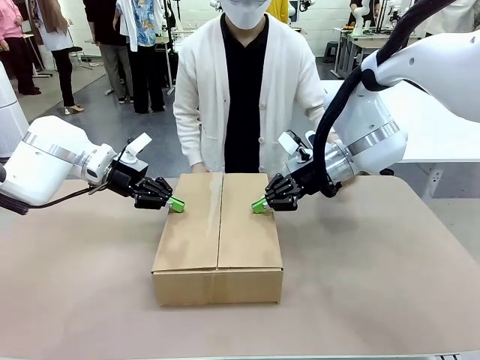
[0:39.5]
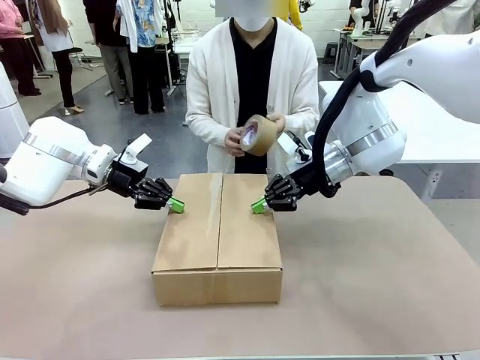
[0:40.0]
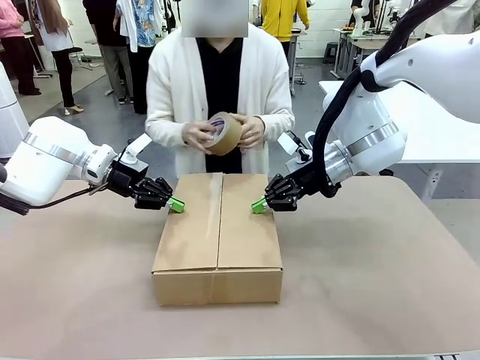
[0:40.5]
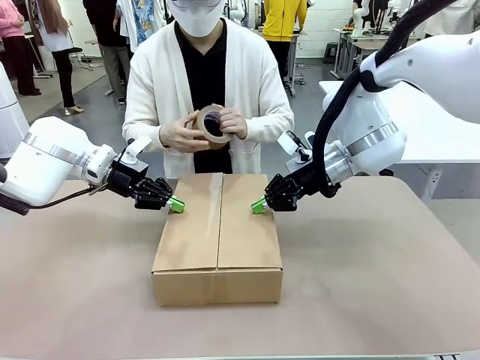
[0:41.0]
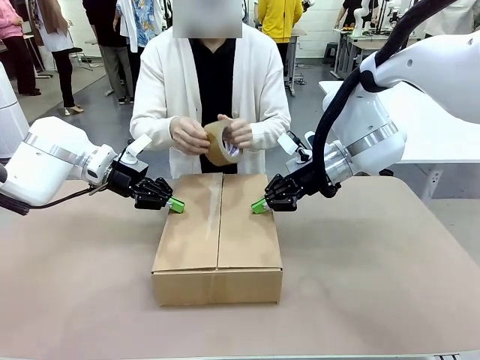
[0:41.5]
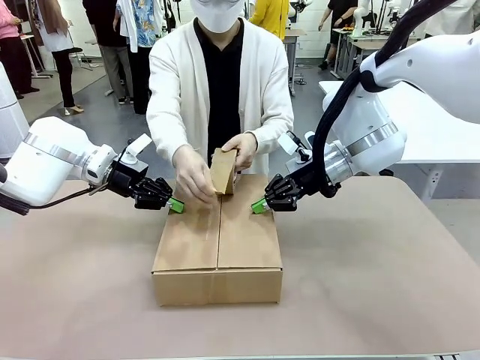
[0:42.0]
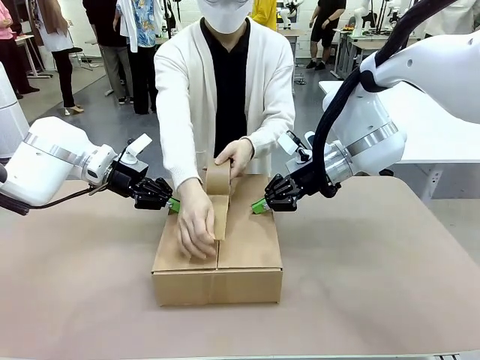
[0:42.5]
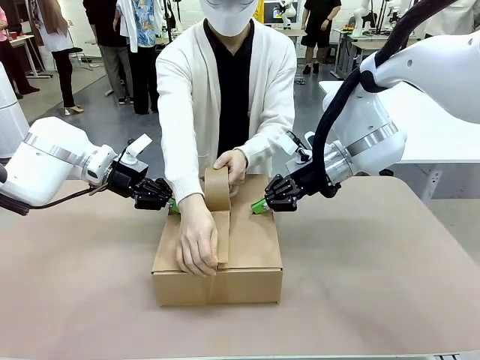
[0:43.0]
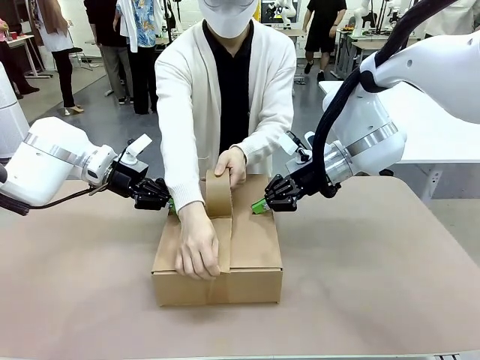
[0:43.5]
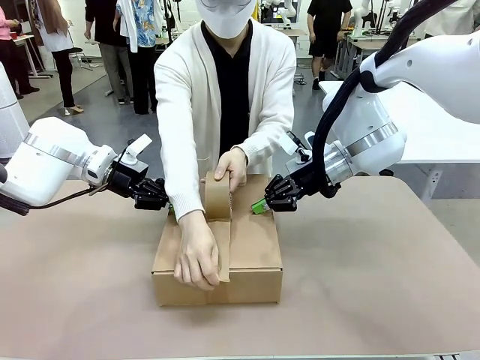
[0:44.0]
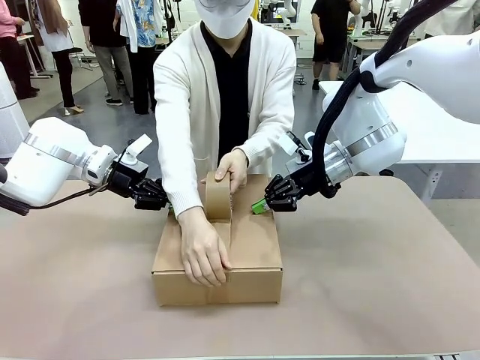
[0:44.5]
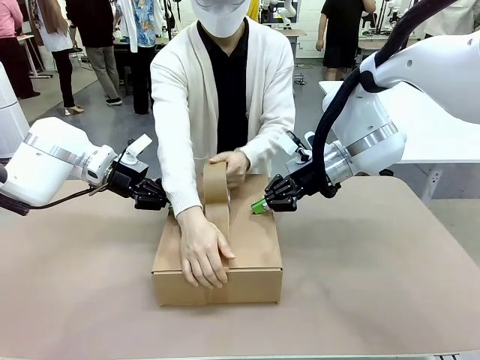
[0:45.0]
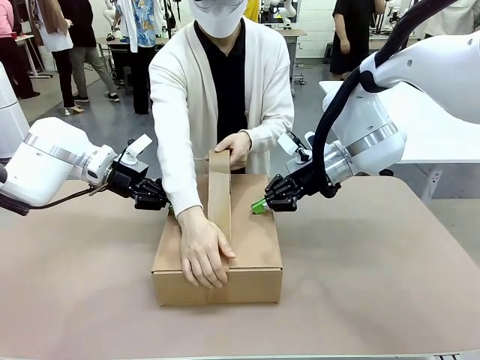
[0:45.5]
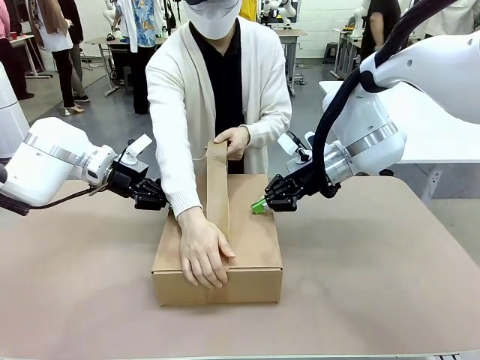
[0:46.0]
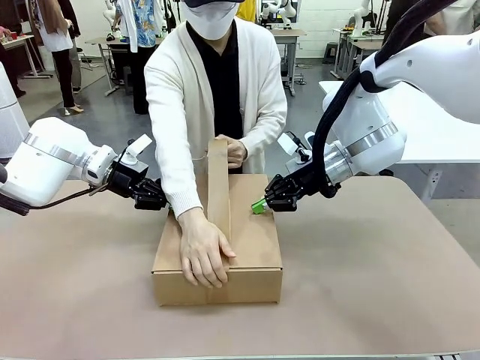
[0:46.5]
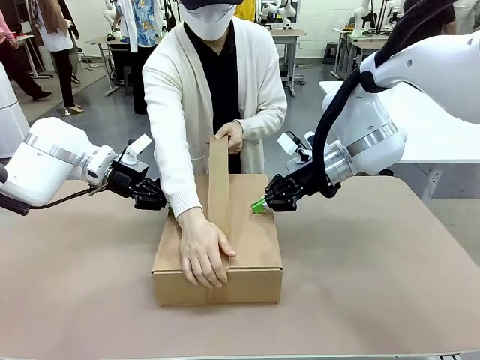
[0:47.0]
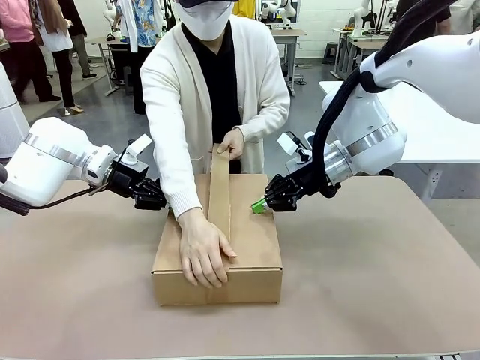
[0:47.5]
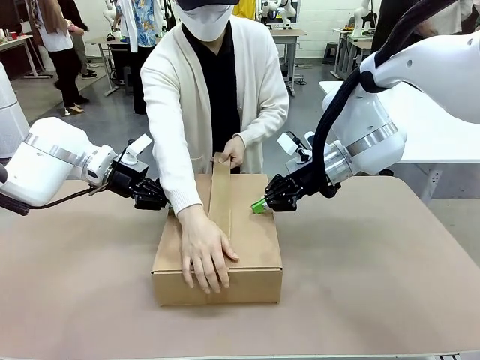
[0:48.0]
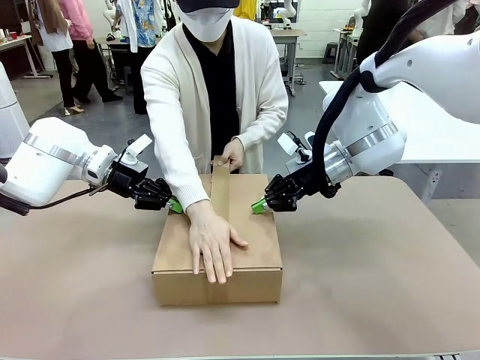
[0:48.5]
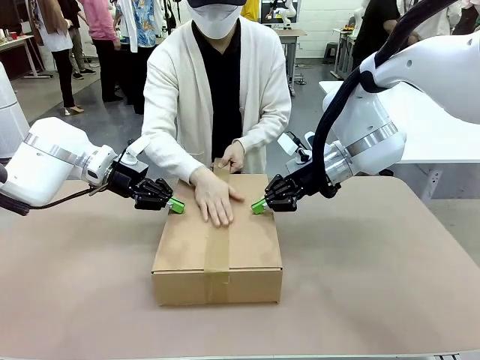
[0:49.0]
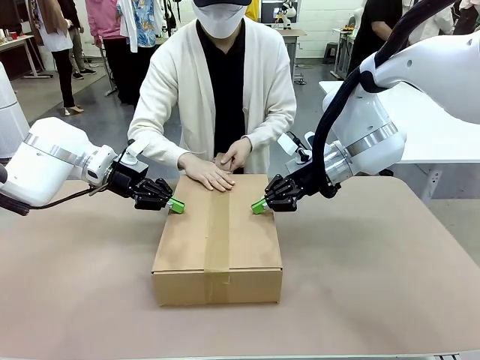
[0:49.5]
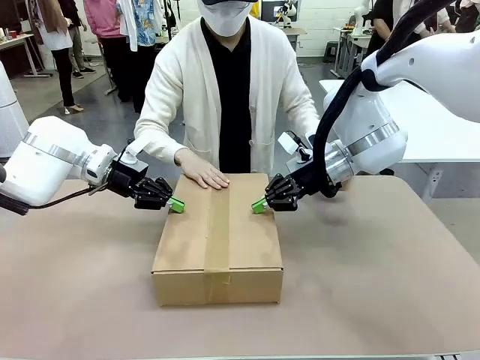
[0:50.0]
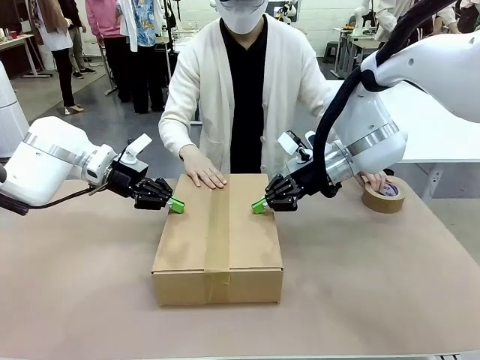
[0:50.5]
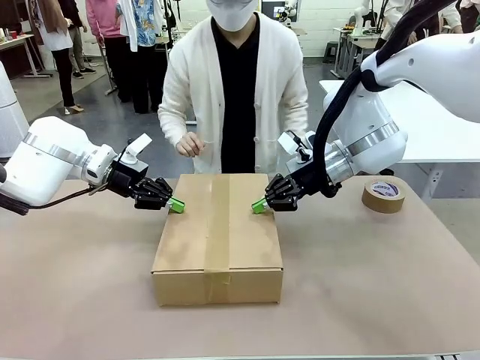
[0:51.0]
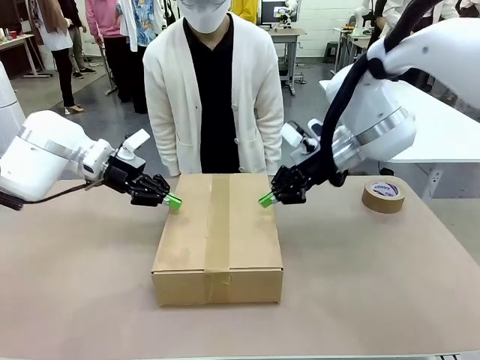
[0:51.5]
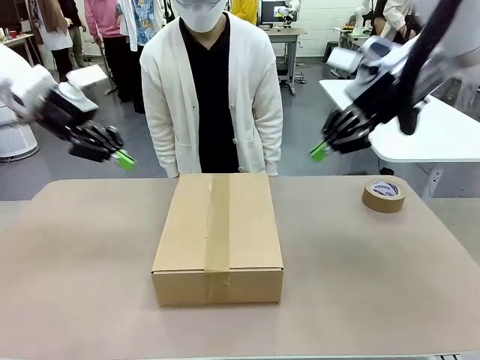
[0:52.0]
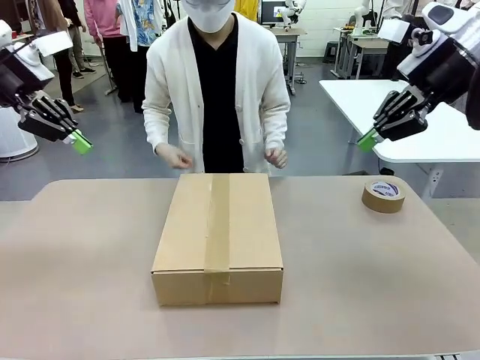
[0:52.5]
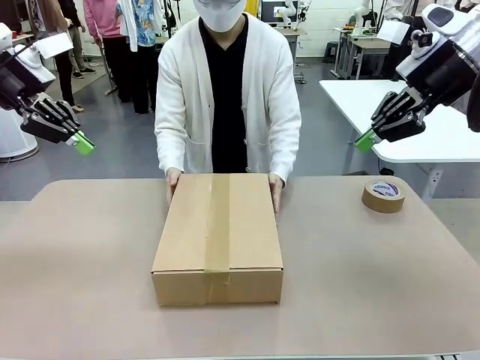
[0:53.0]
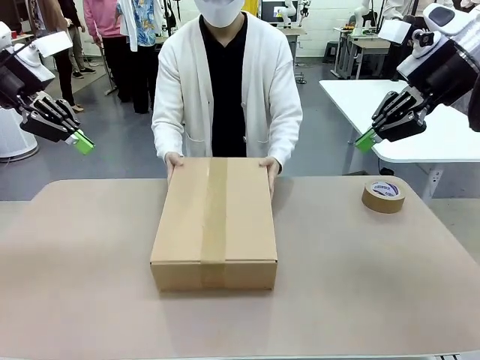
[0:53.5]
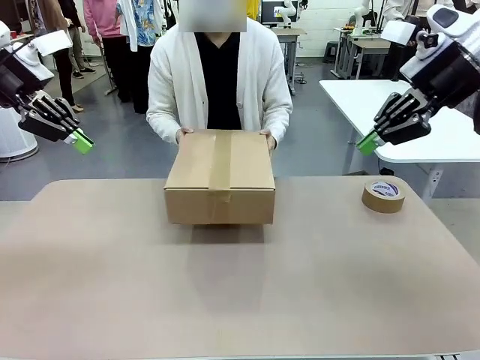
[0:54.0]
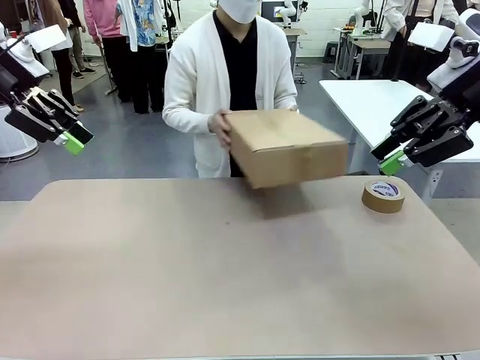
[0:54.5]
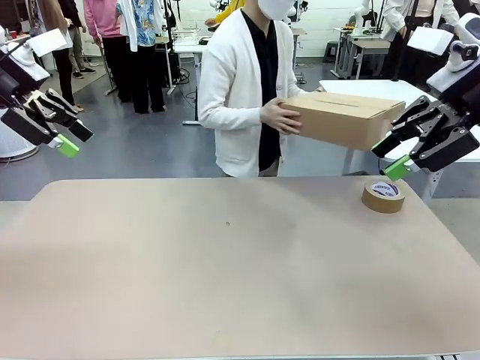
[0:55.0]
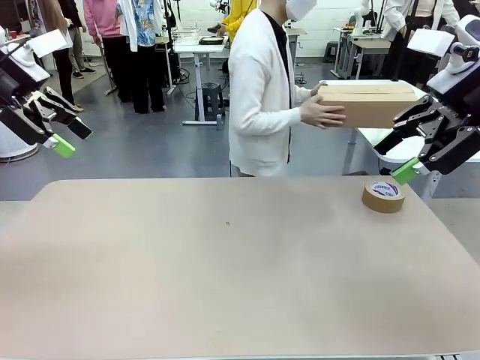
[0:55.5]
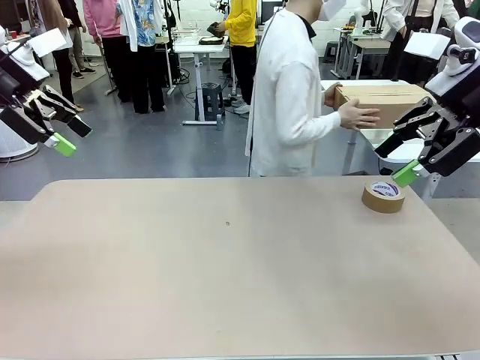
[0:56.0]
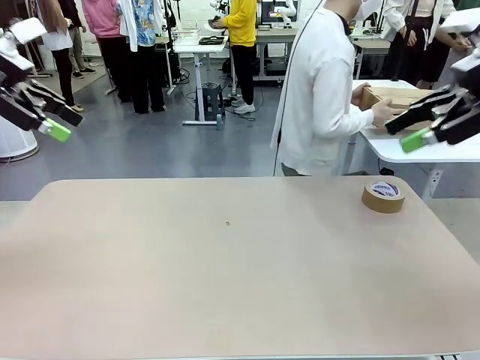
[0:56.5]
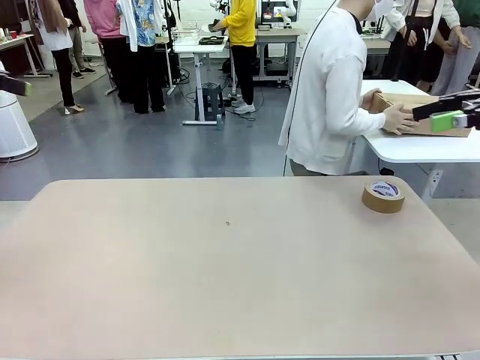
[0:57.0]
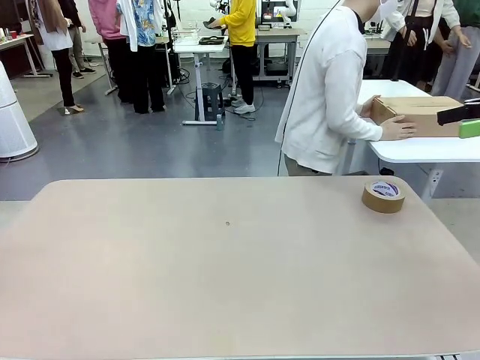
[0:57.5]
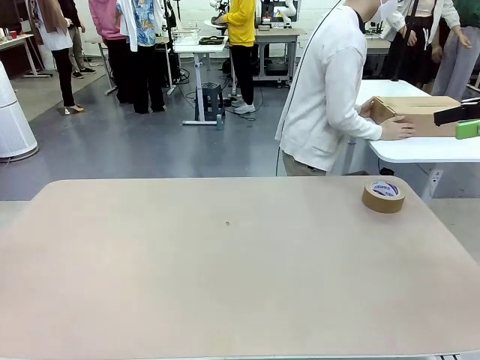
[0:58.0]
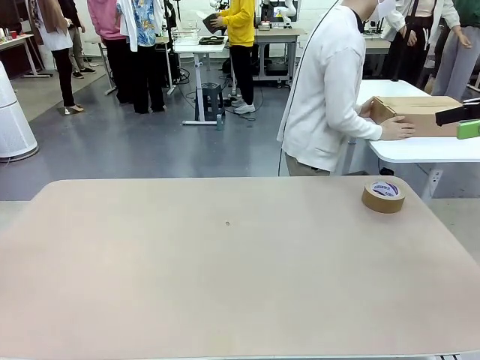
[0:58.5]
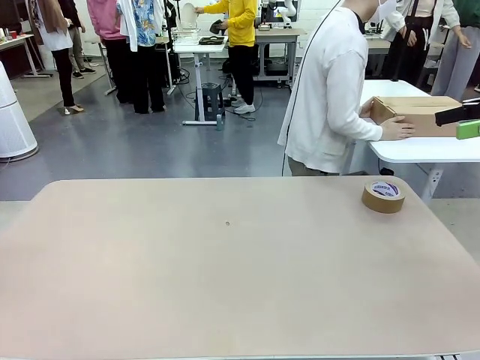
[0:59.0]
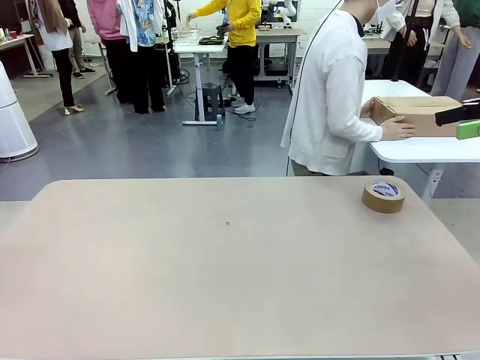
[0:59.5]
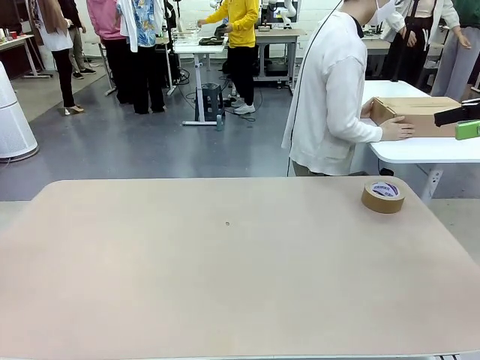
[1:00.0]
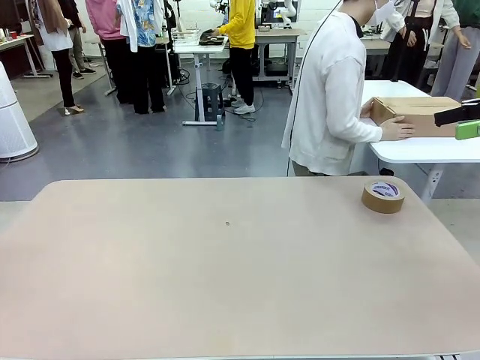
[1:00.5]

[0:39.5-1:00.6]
Task: Wrap the clocks to prevent damage.
Robot: After the human seals the box with tape, release both hands from the side flaps of the Package Box.
Person: Once the robot closes the left flap of the Package Box , seal the box with Paper Tape. Place sealed Package Box in the middle of the human's table.

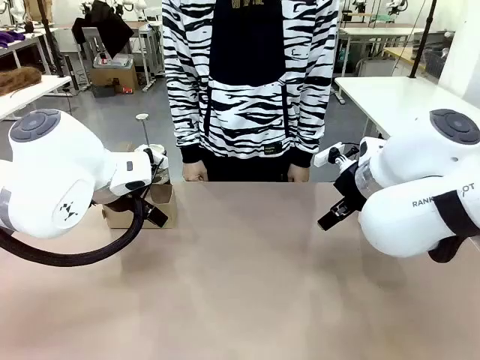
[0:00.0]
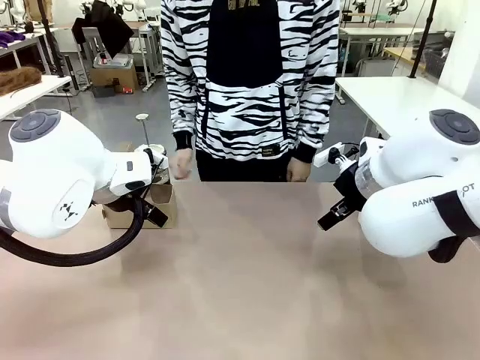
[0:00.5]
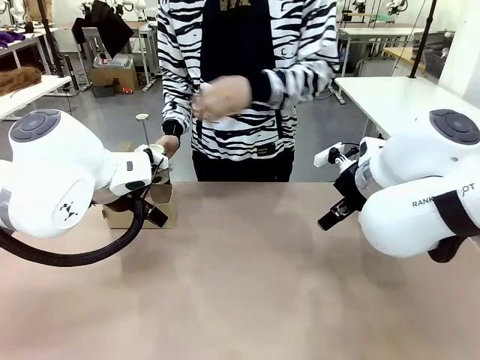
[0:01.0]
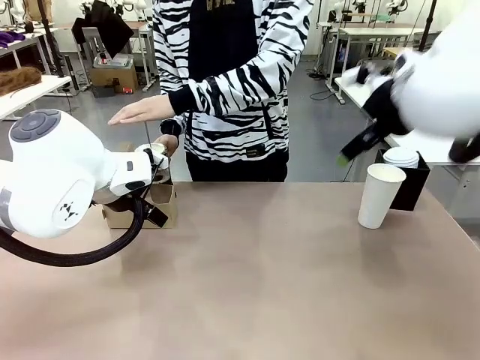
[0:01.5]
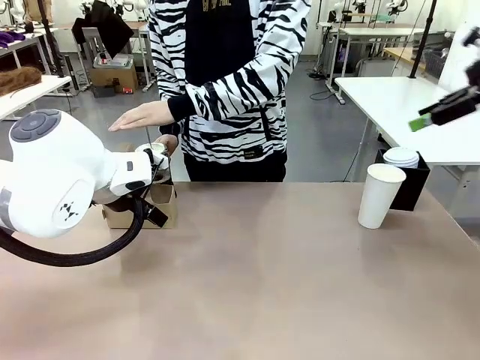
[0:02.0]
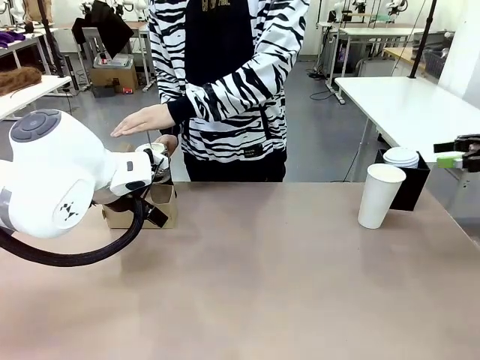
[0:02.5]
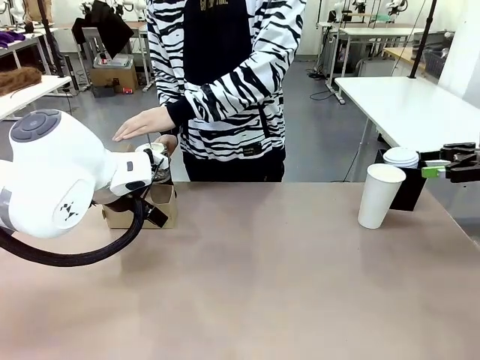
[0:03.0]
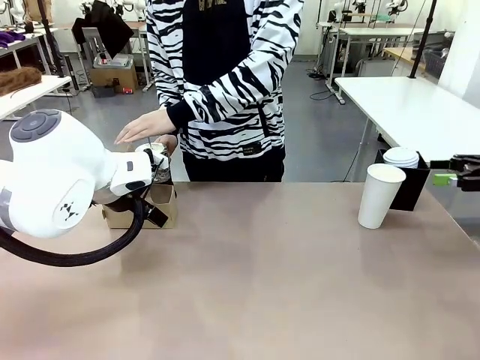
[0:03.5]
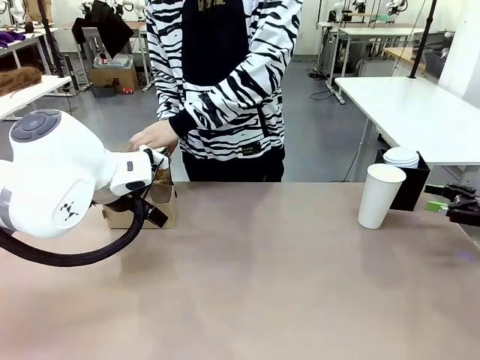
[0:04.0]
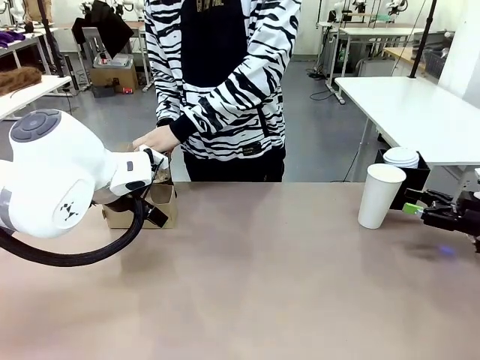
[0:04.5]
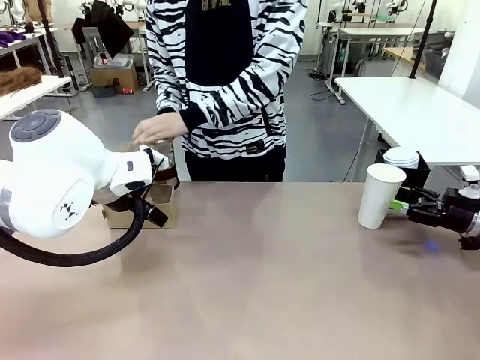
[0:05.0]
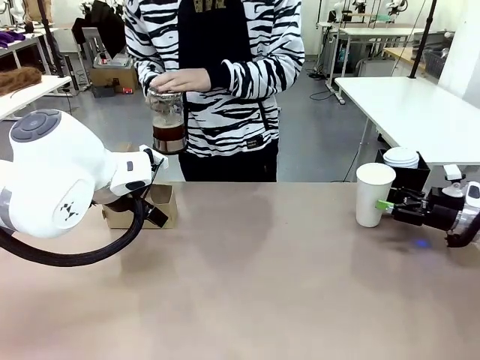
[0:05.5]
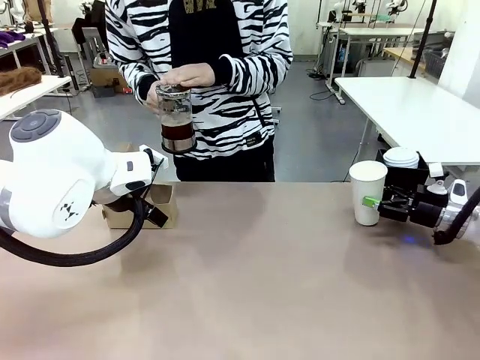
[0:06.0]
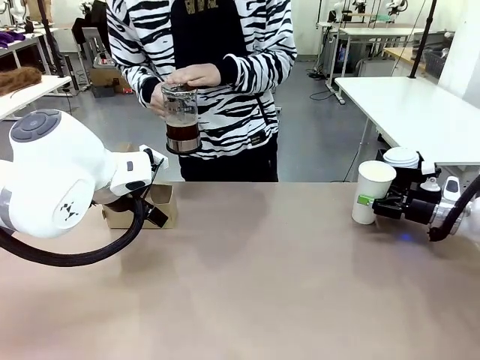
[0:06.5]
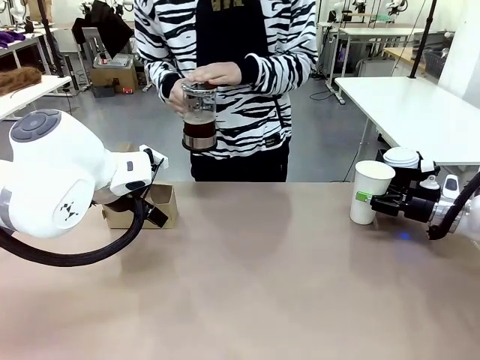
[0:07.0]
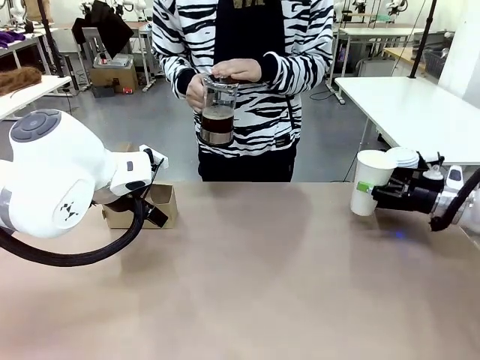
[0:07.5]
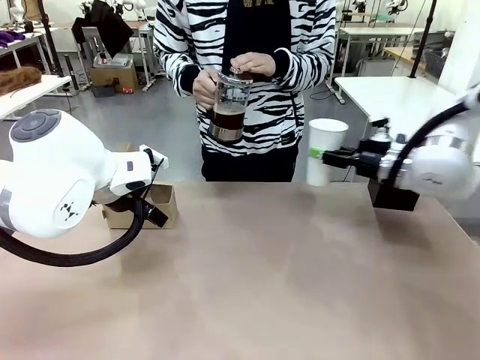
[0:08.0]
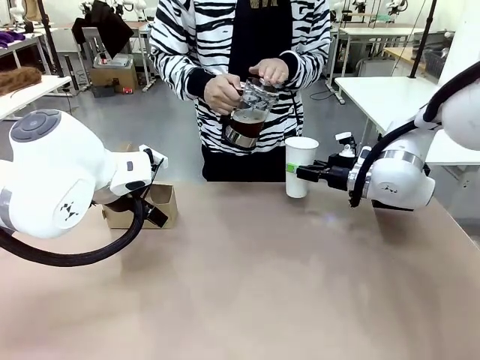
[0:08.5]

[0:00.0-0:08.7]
Task: Pour a drink into a cup and package it in a carrier.
Robot: Pick up the 600 ml Paper Cup and place it in the middle top area of the table.
Person: Press and pick up the Filter Brewing.
